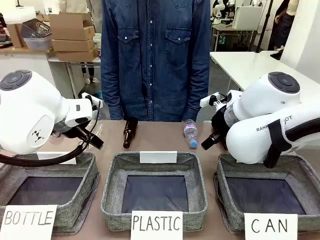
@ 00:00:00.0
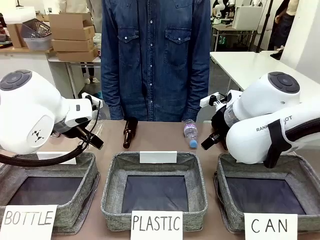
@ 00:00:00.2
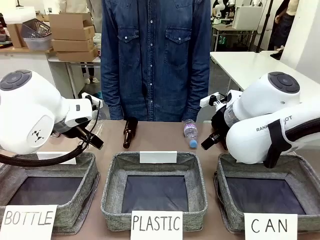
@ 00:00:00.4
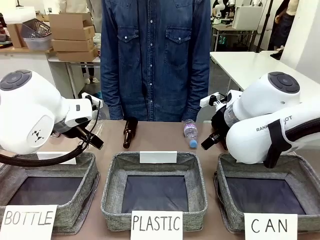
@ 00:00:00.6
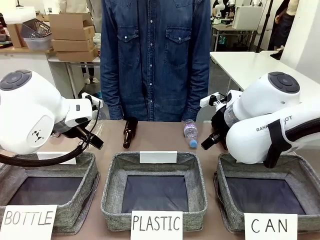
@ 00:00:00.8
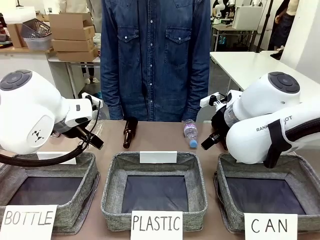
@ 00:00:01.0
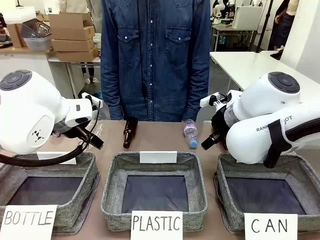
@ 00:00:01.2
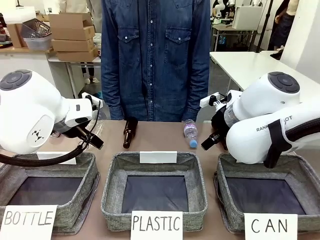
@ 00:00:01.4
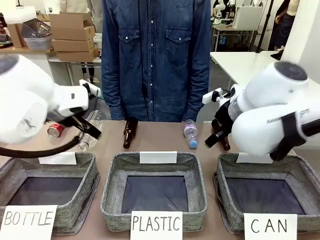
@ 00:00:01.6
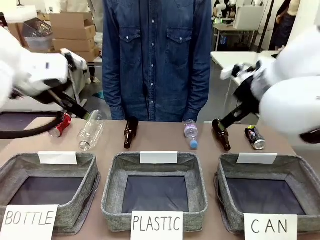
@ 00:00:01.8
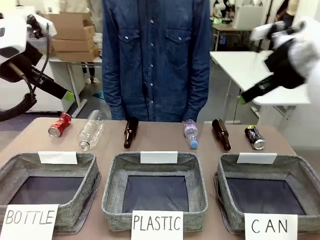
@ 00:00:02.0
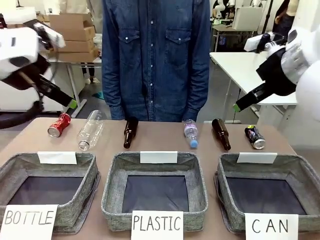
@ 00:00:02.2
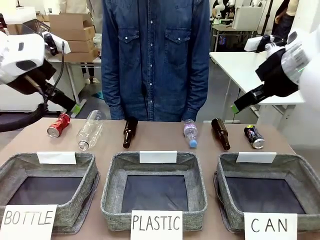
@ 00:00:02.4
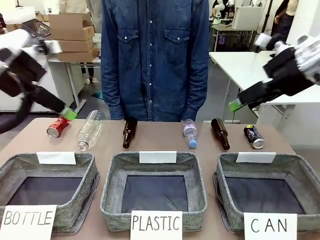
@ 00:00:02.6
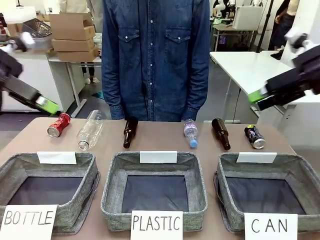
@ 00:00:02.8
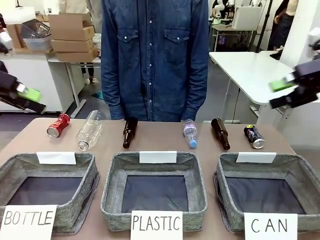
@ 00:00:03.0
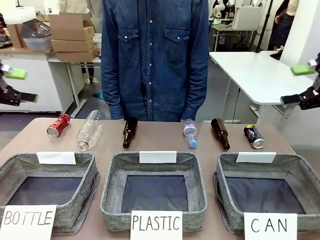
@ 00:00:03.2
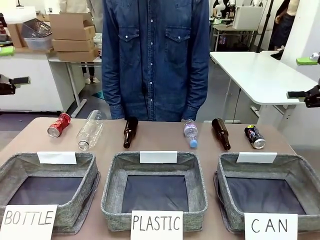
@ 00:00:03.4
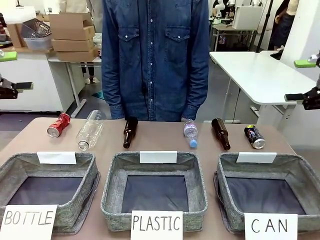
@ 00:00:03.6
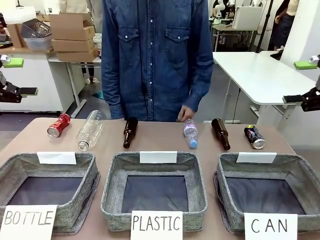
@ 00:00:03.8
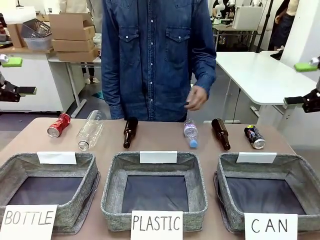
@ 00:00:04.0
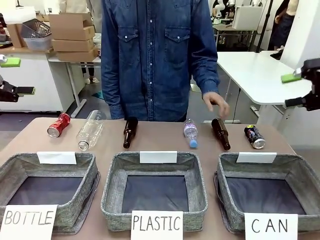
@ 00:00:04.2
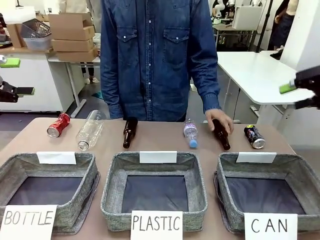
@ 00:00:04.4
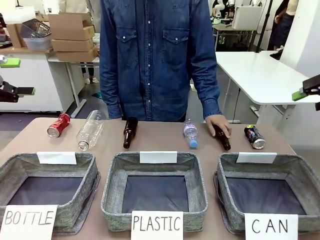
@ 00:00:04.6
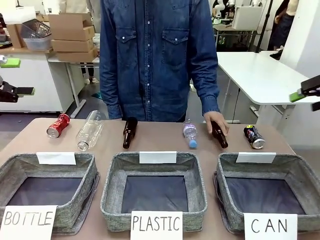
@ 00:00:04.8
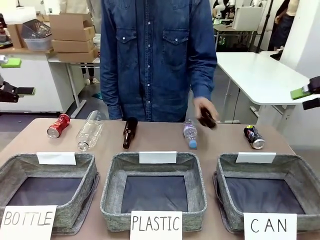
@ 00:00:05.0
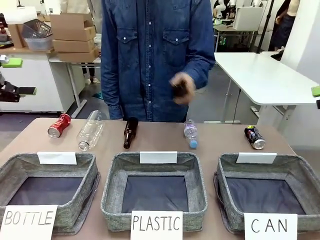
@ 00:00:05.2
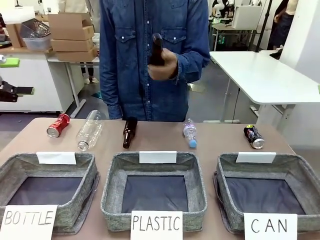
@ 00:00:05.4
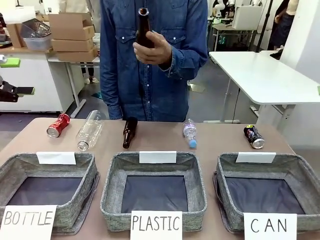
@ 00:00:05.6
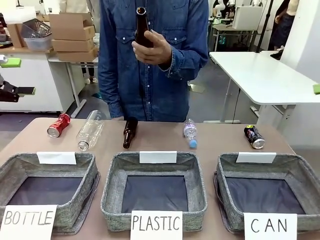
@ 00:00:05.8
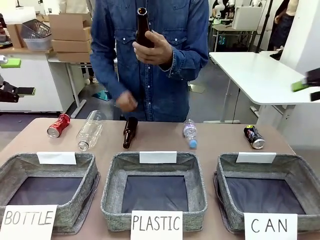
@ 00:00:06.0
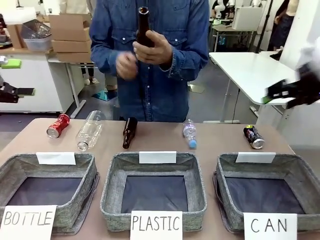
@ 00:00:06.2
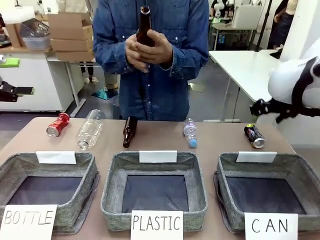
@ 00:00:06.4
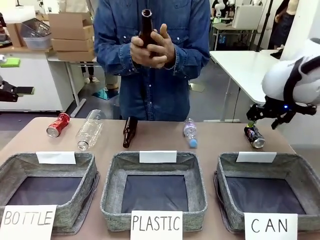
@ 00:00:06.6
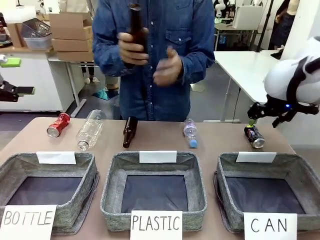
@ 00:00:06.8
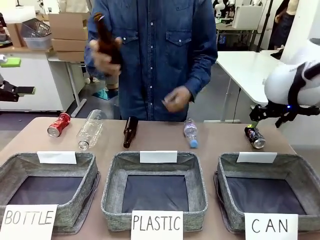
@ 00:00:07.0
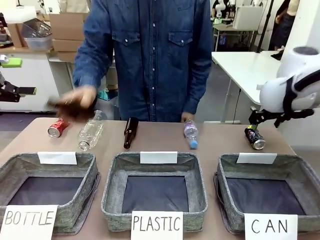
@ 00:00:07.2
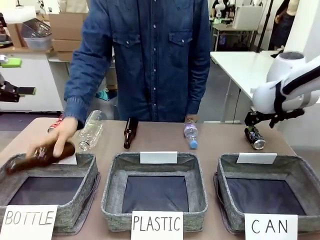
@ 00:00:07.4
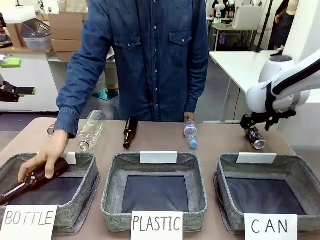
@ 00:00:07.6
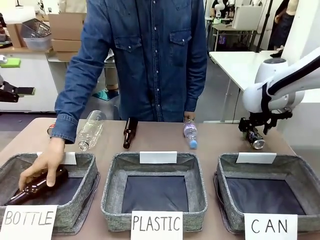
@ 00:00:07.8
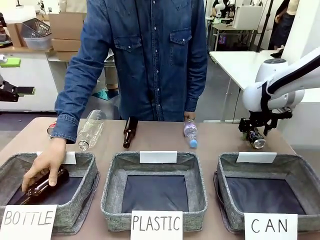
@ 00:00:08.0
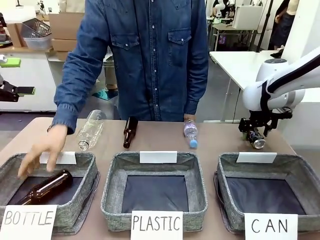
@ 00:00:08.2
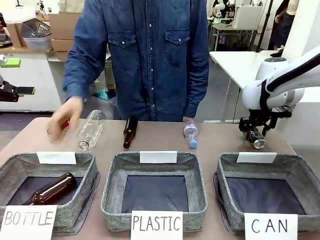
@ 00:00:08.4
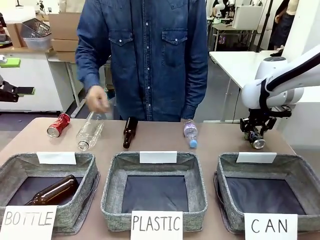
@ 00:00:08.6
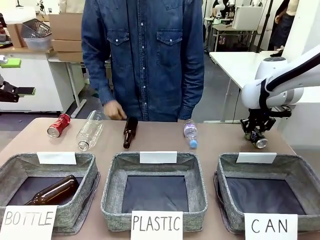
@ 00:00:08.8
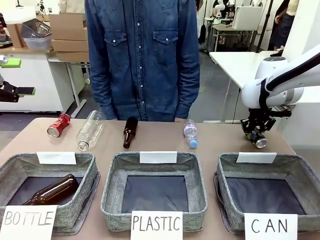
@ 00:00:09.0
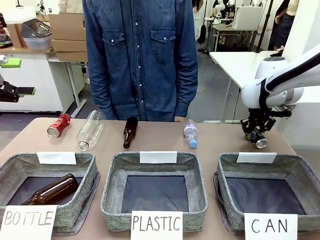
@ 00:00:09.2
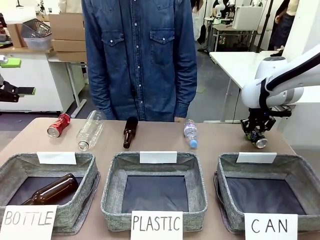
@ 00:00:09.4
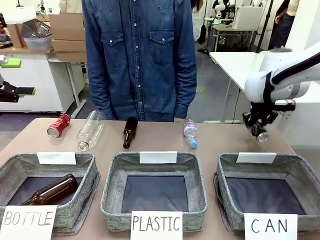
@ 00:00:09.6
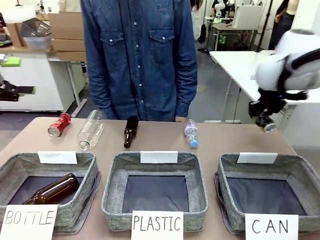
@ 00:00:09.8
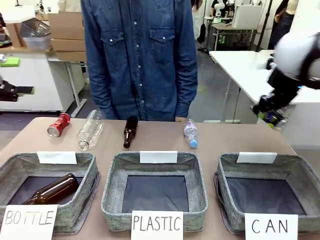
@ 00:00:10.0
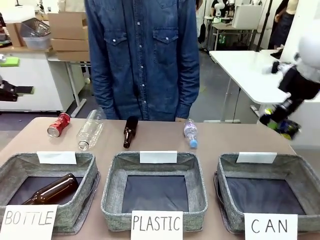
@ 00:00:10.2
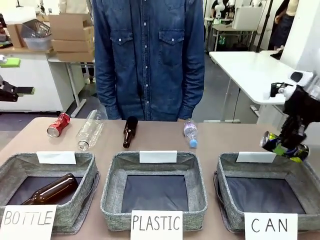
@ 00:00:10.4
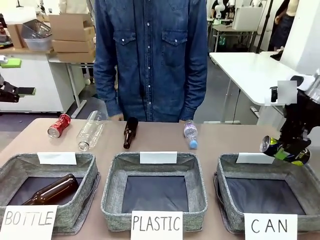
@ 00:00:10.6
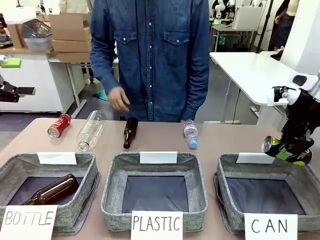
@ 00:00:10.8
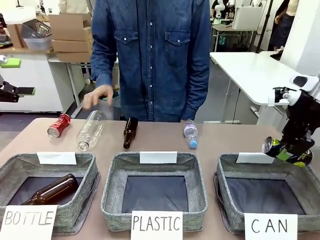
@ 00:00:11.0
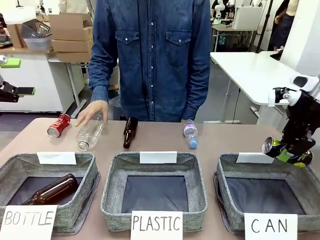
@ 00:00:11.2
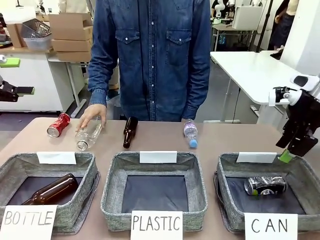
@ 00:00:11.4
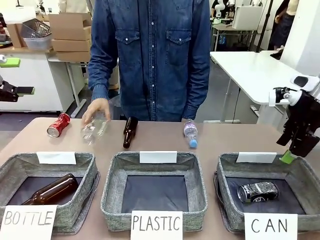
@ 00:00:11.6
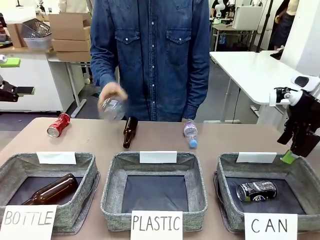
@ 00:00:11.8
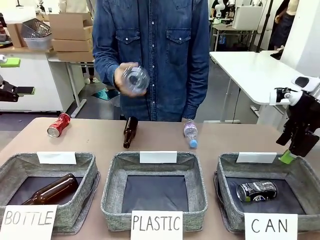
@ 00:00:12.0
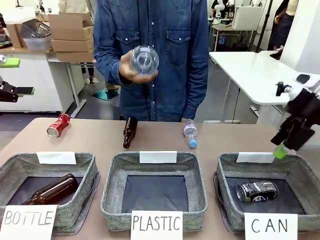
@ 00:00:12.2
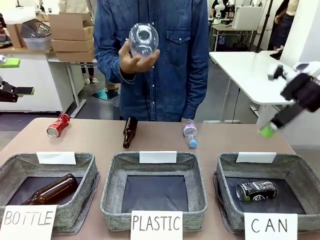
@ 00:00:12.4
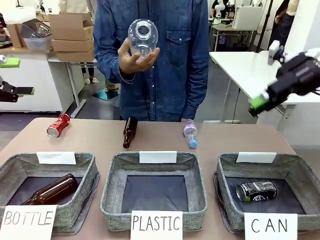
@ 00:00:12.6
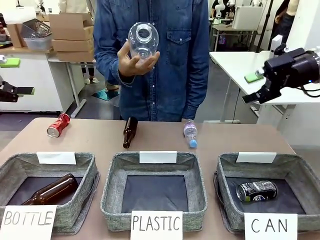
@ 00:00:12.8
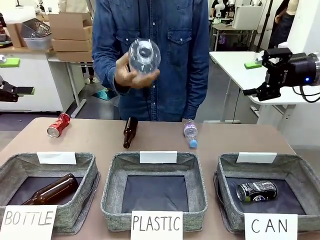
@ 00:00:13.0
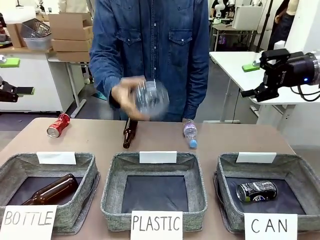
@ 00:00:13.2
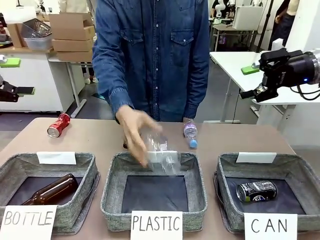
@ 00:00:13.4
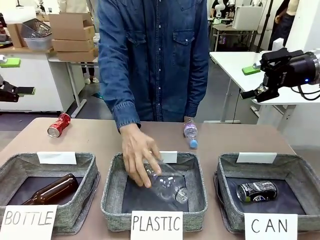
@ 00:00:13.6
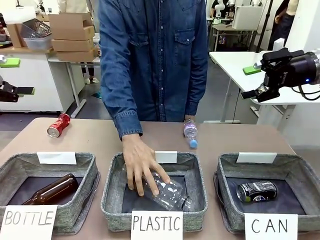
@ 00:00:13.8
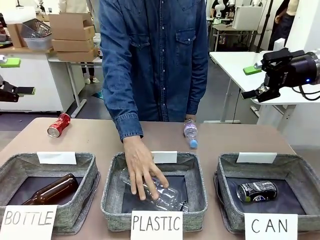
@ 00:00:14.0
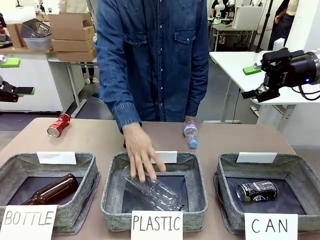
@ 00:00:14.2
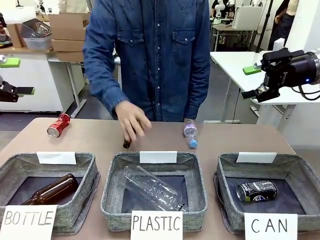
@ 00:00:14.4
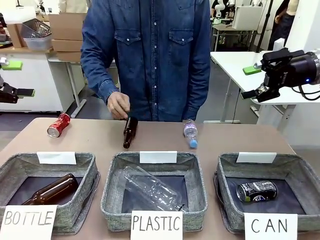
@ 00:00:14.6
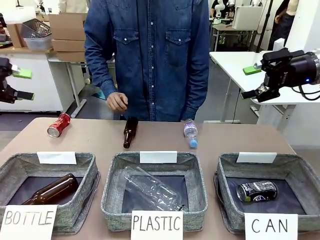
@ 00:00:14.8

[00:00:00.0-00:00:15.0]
Task: Sort the can waste into the basket.
Robot: Pick up the can waste from the table and place it in the right Fabric basket.

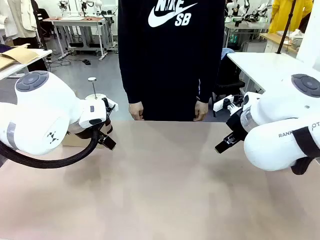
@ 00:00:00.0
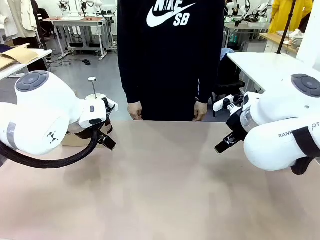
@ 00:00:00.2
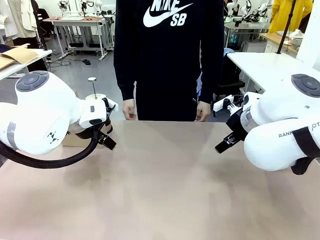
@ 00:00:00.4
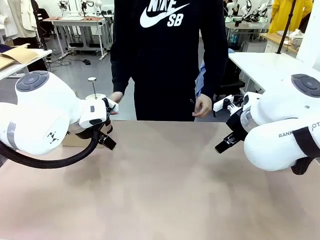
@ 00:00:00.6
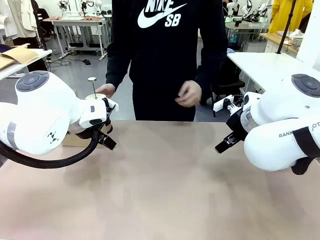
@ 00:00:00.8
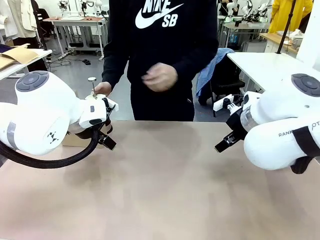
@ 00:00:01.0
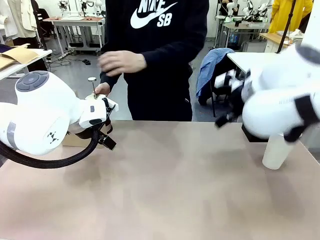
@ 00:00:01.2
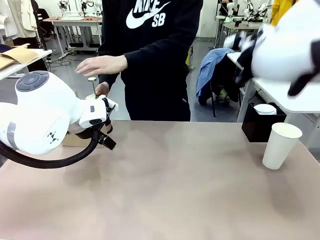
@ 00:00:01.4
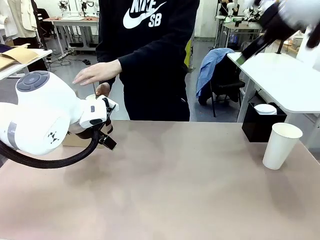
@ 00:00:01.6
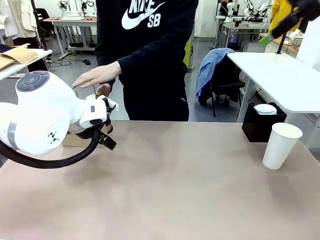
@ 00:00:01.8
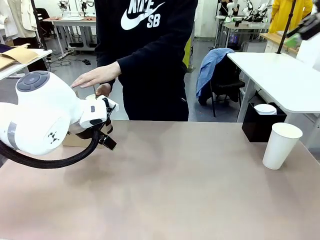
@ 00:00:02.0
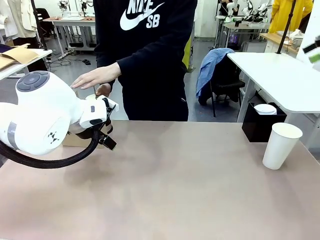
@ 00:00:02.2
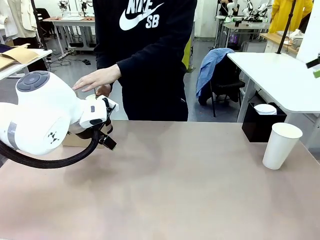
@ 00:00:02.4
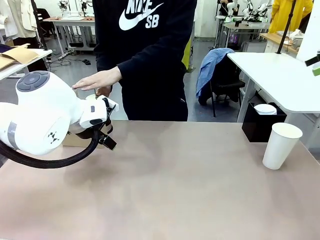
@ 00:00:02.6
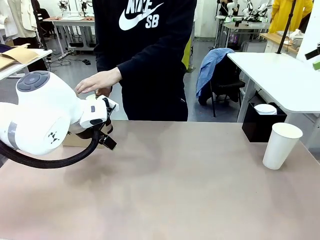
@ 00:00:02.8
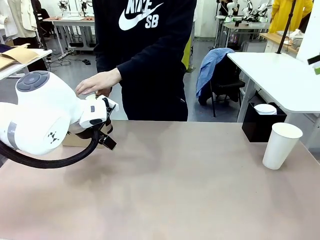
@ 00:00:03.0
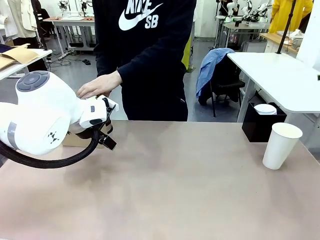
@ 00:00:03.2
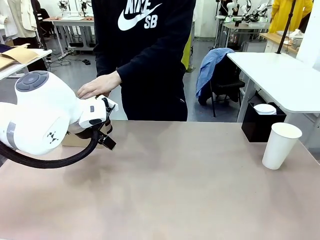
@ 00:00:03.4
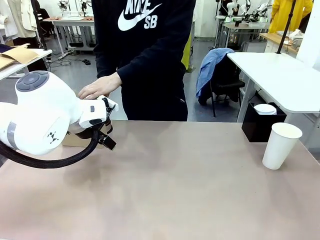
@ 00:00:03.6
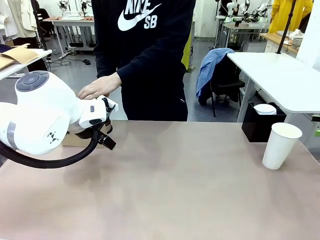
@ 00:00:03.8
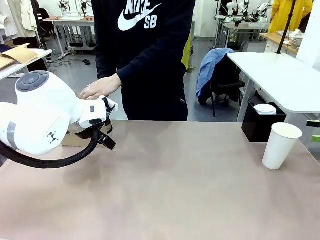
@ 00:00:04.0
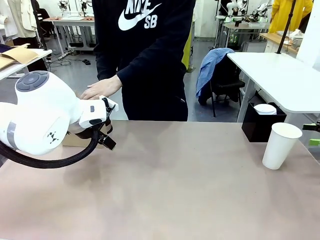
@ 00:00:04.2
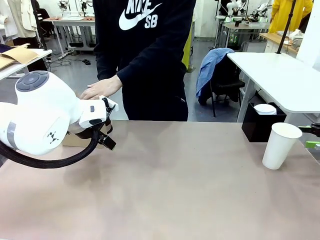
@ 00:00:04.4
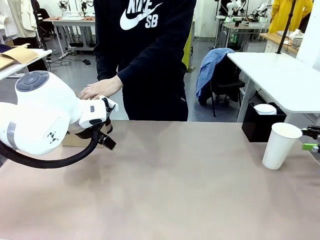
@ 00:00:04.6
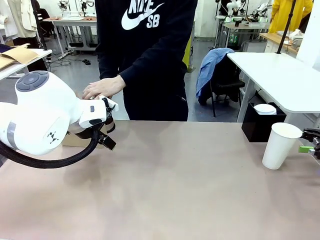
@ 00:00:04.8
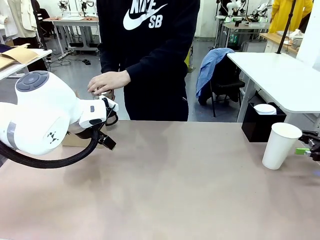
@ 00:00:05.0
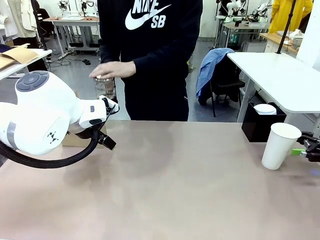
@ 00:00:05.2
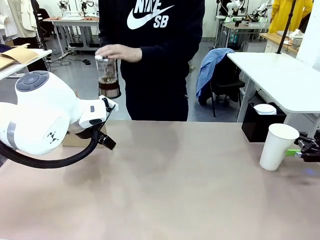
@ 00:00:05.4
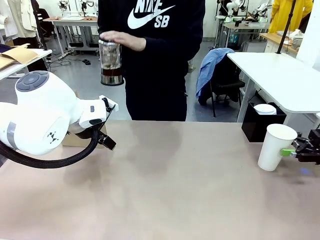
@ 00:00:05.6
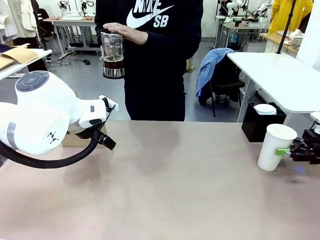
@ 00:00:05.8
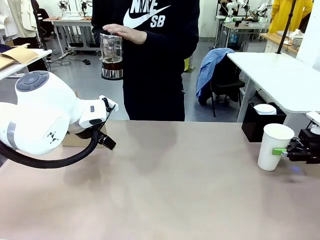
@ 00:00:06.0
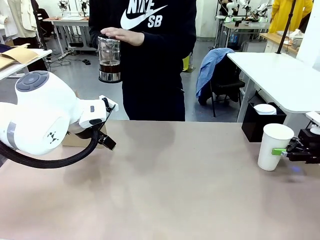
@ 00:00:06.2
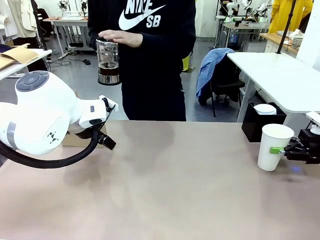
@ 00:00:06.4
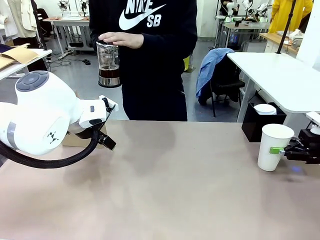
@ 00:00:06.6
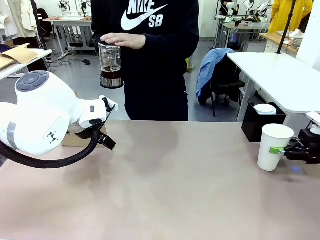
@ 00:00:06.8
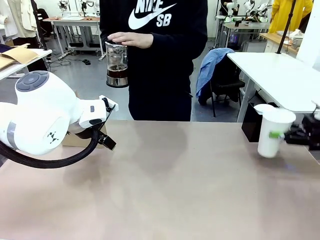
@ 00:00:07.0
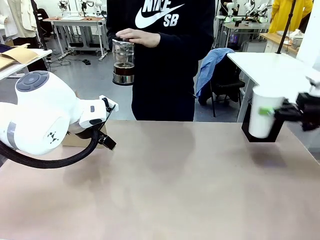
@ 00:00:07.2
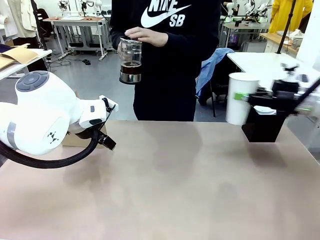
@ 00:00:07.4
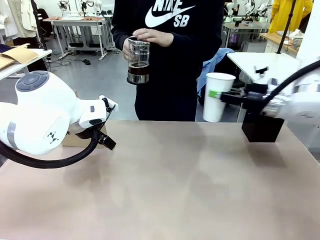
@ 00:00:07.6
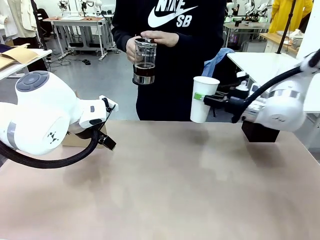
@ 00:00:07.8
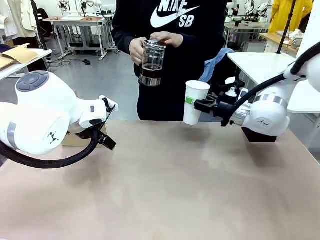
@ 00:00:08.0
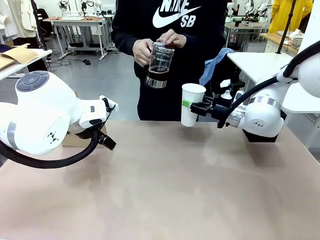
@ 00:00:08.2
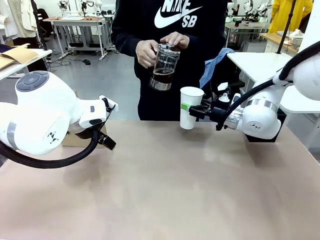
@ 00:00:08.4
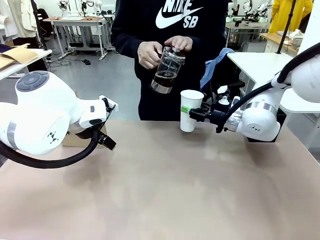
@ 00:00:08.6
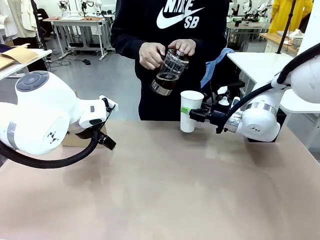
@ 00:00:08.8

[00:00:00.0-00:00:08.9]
Task: Pour a drink into a cup and package it in a carrier.
Robot: Pick up the 600 ml Paper Cup and place it in the middle top area of the table.
Person: Press and pick up the Filter Brewing.
